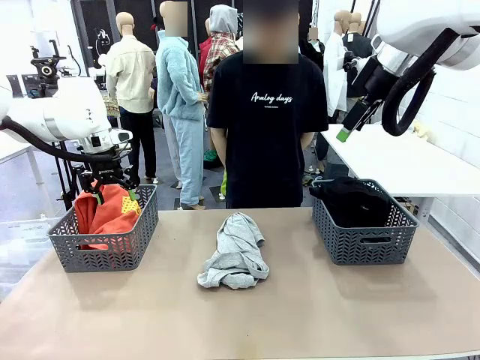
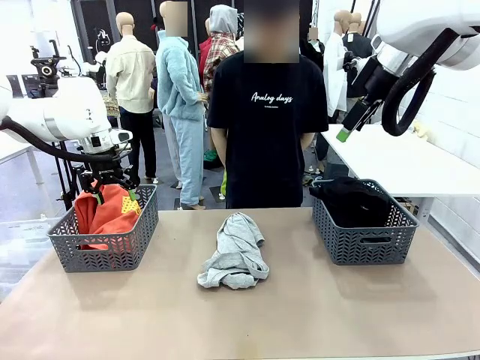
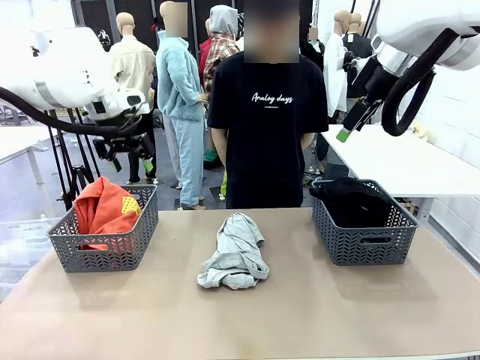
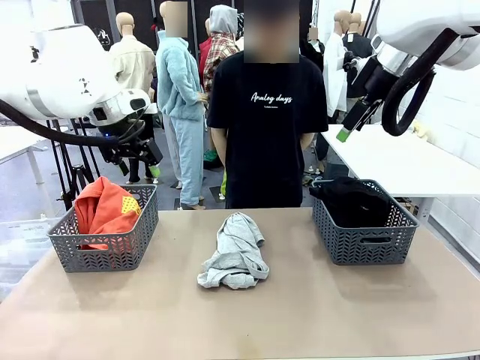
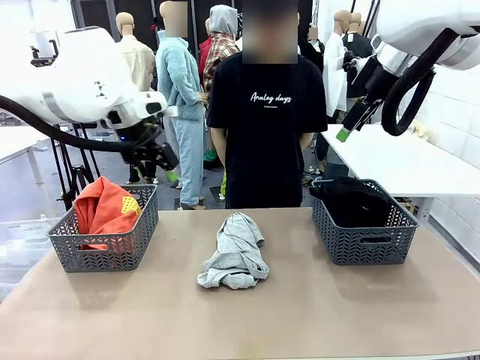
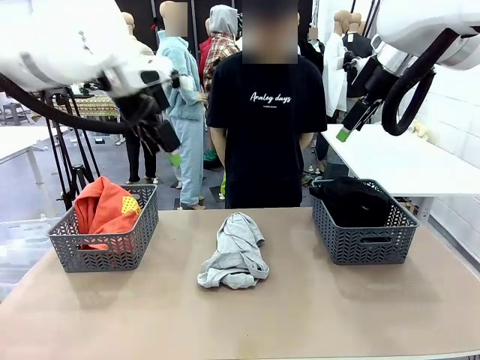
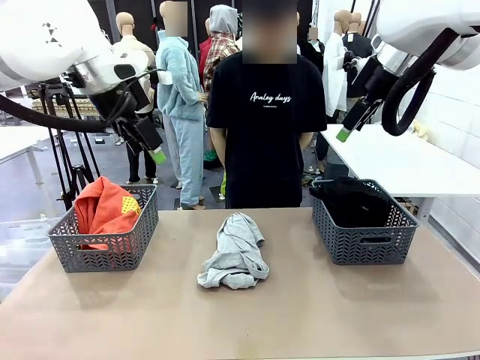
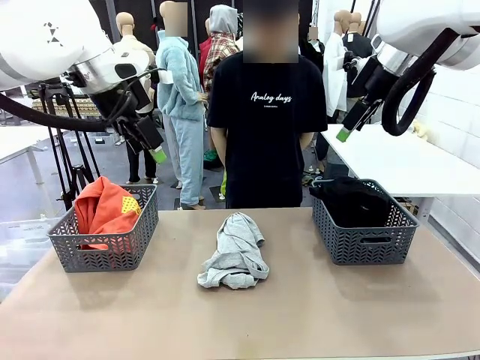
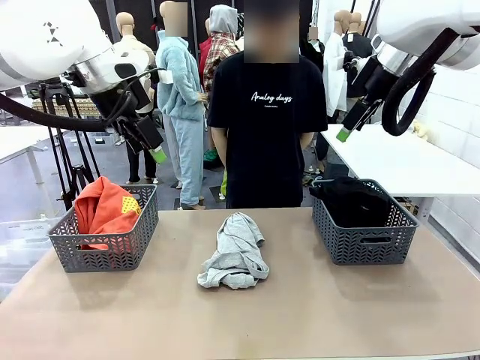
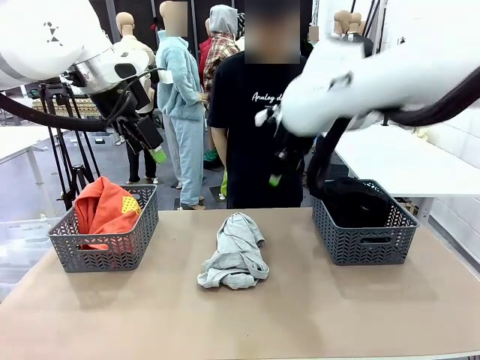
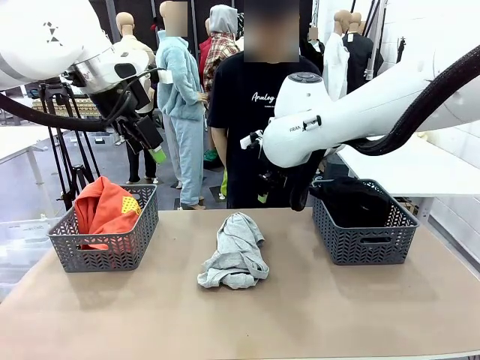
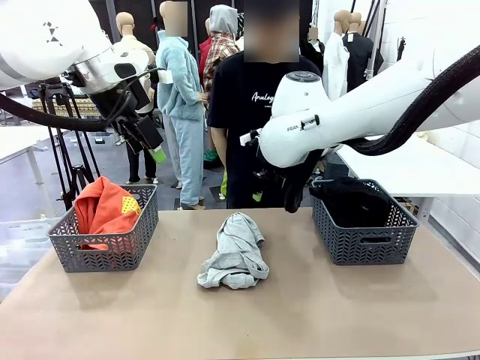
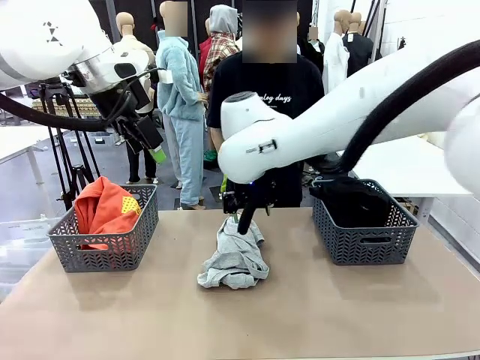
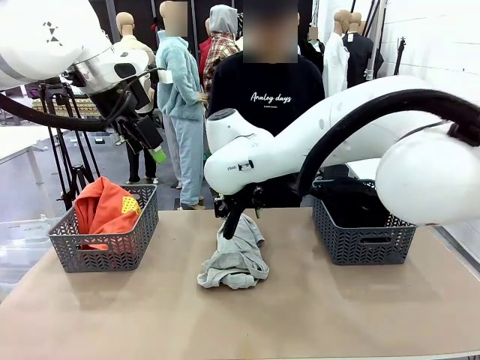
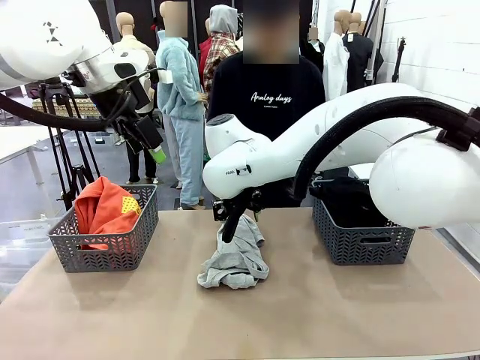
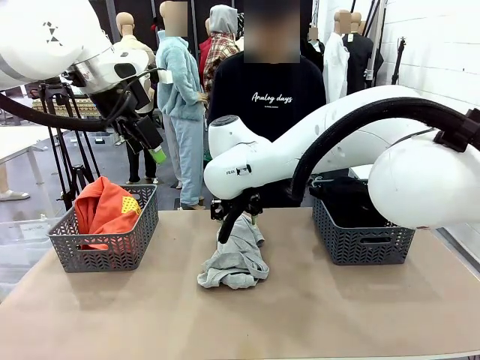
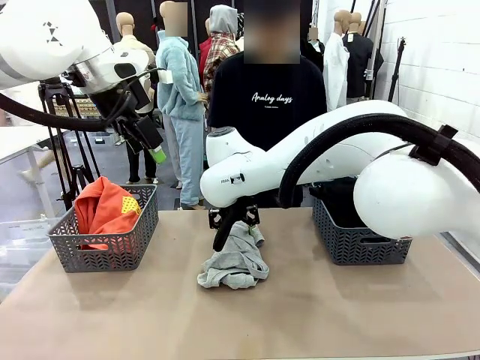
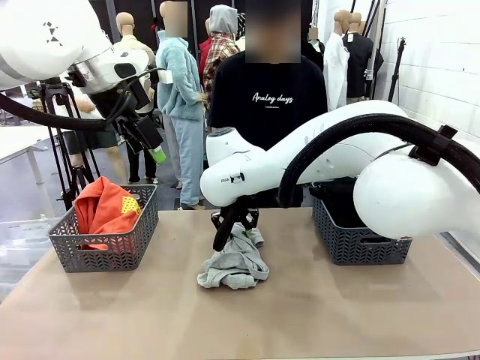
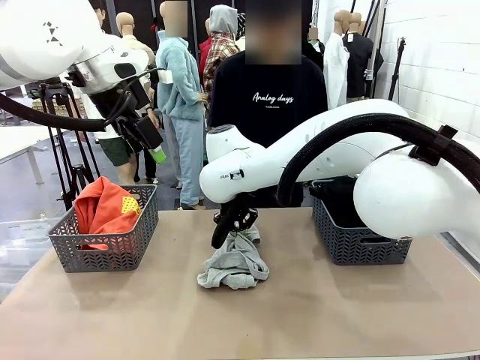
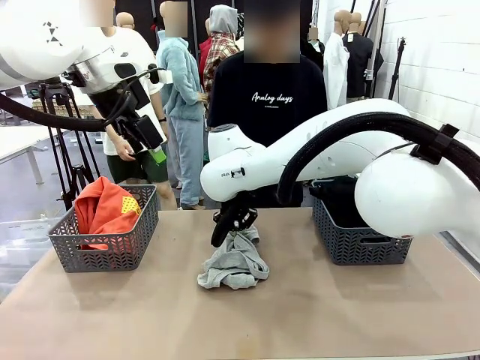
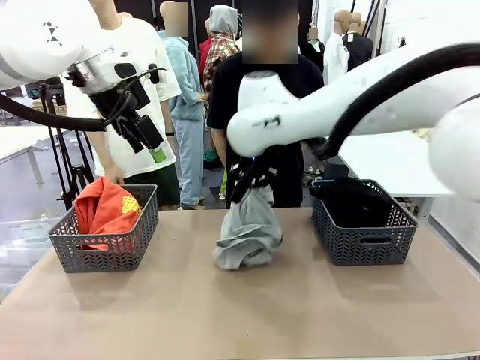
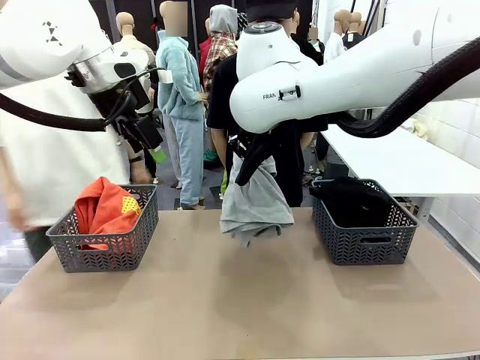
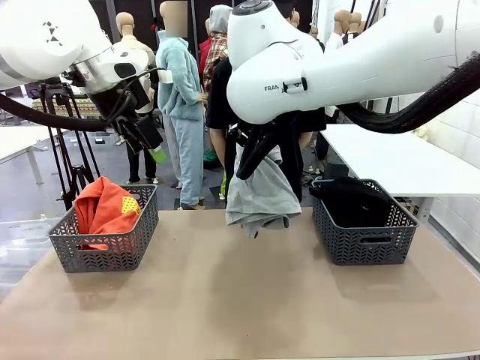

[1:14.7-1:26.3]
Task: Sort the tops and bottoms.
Robot: Lift clothes from the center of the table with your right hand.

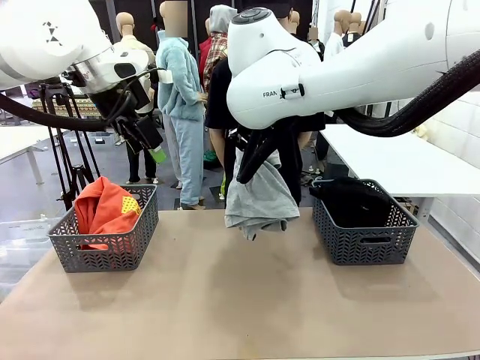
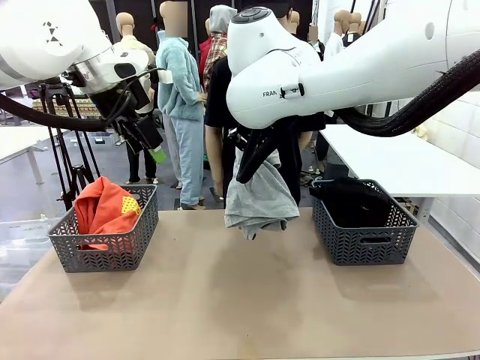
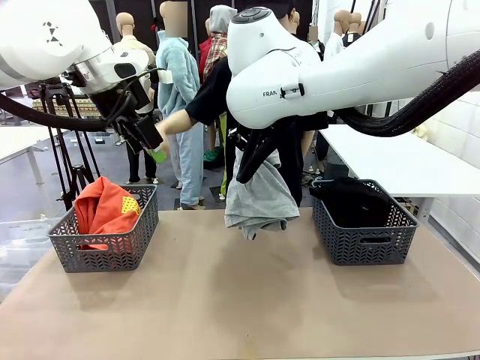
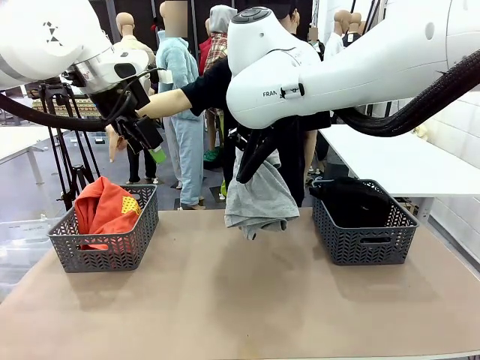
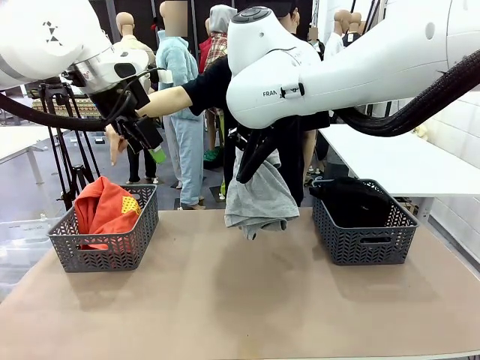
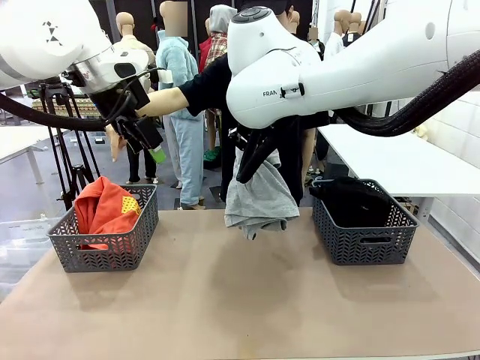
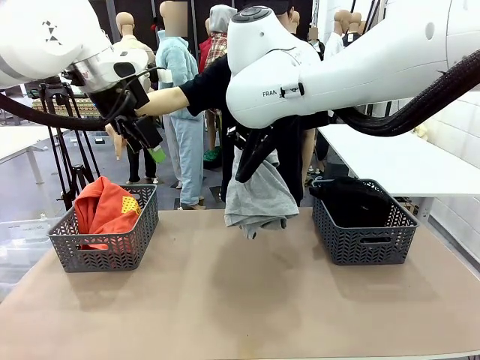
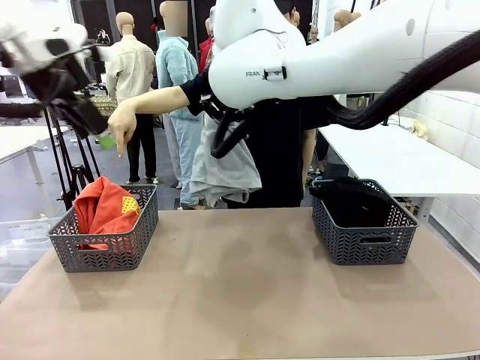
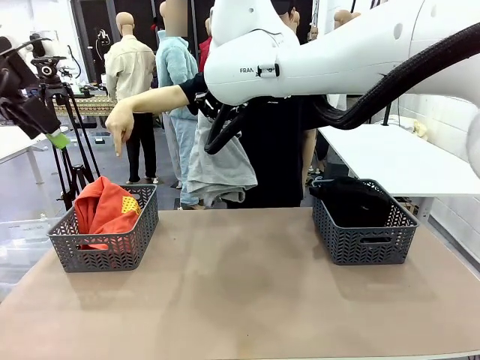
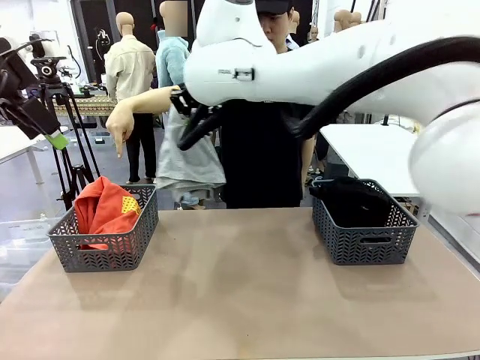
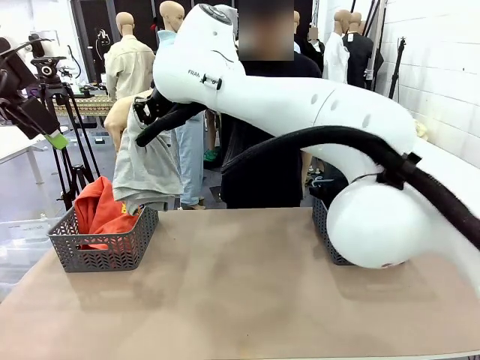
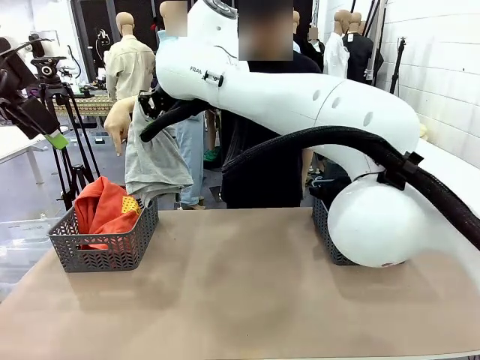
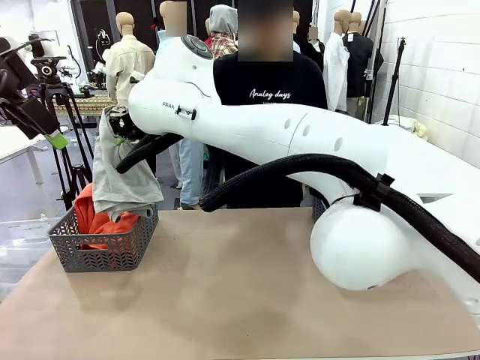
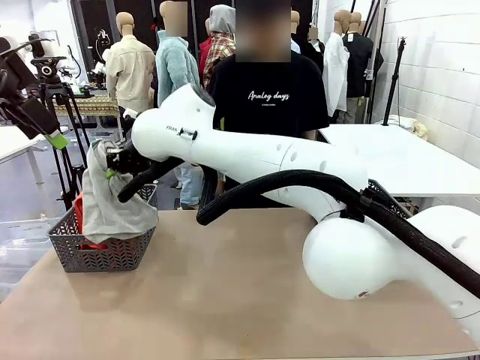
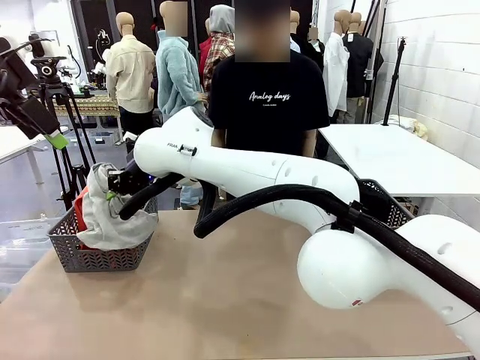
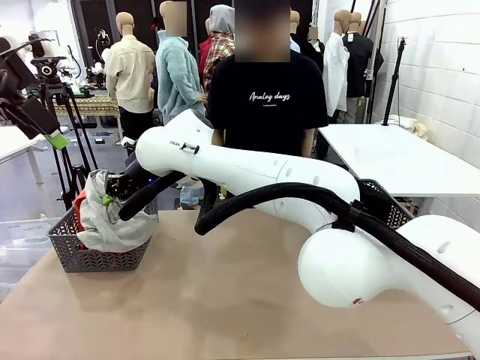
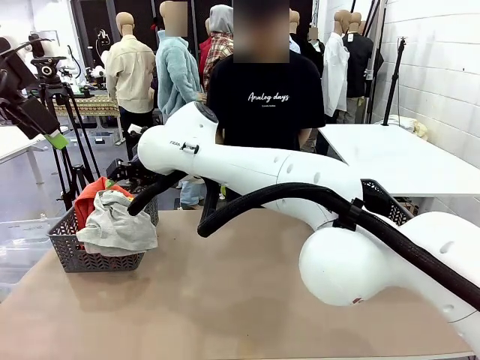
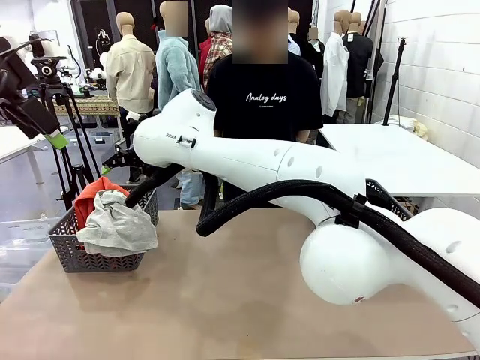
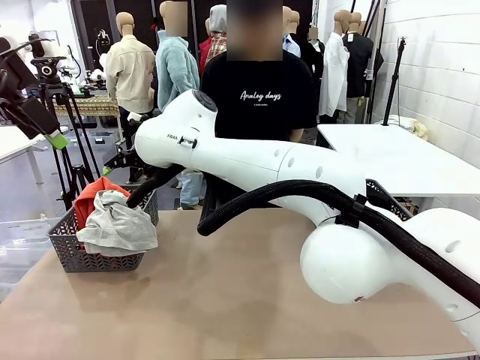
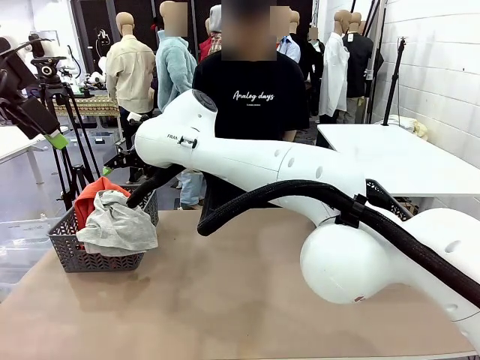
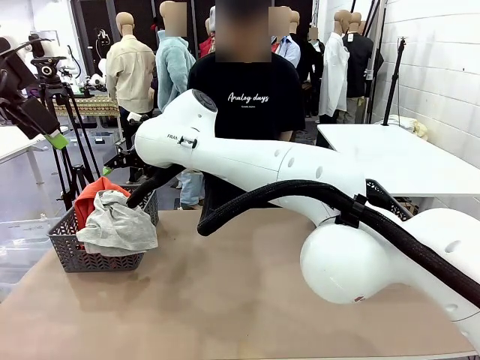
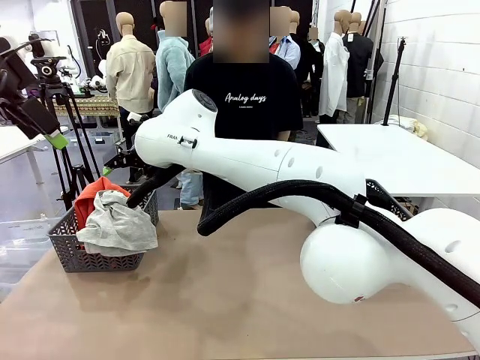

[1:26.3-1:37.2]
Robot: Sort the clothes according to human instructions.

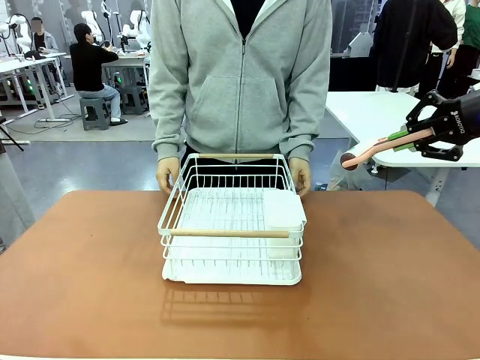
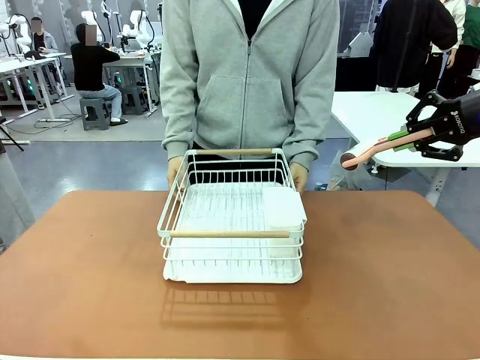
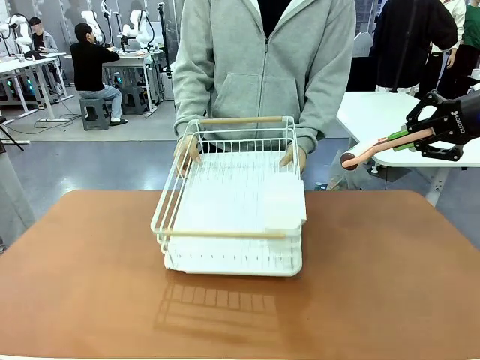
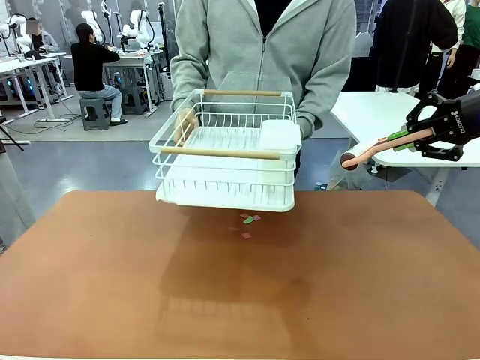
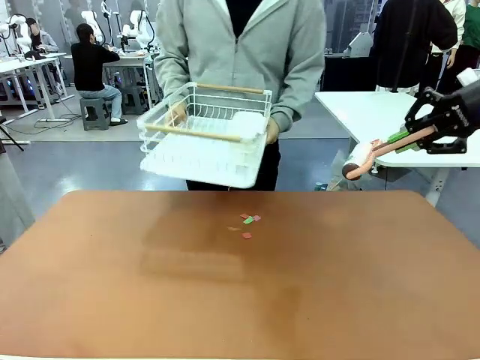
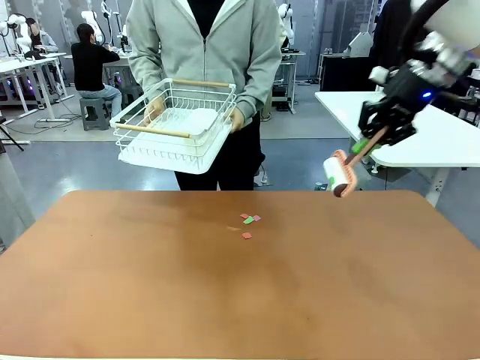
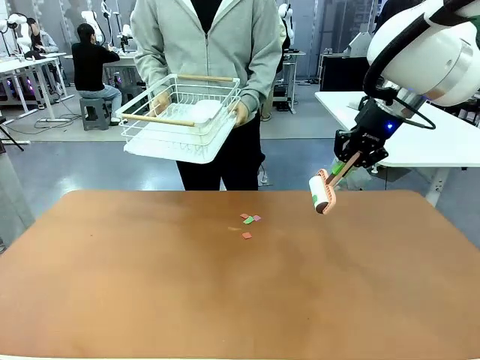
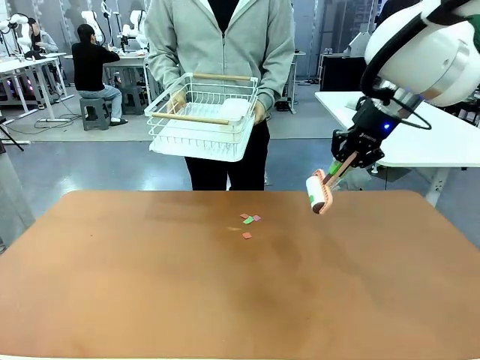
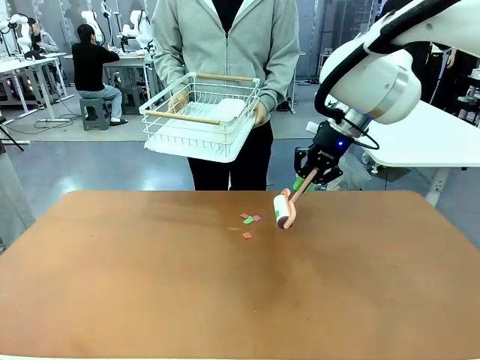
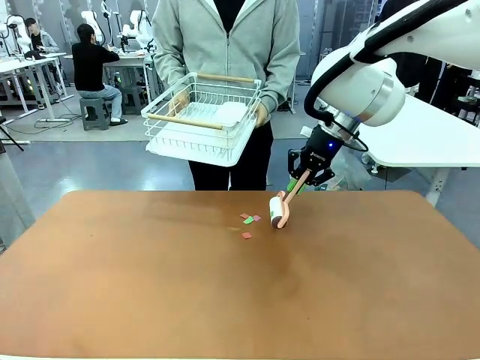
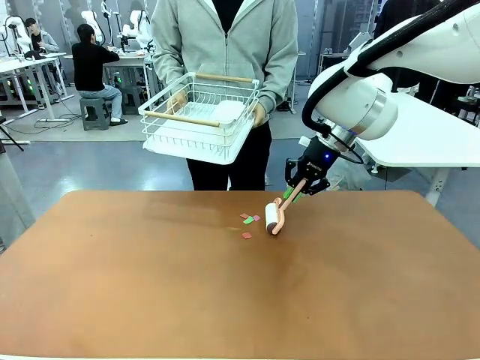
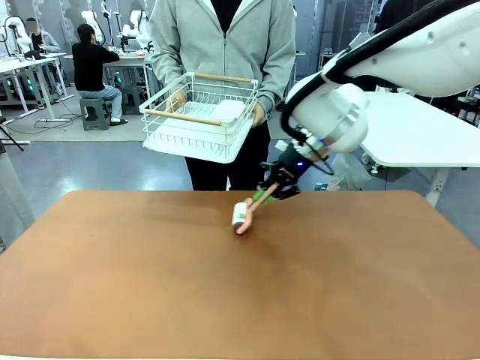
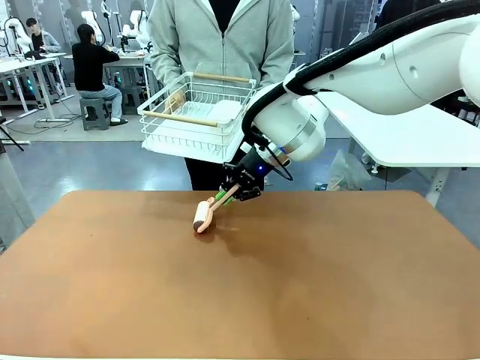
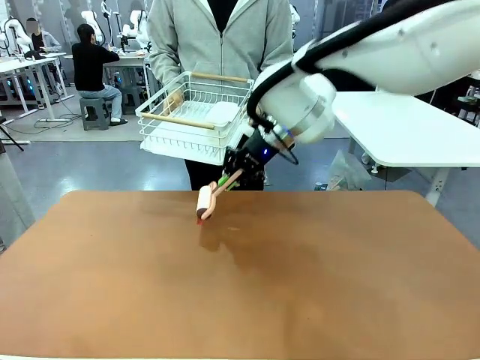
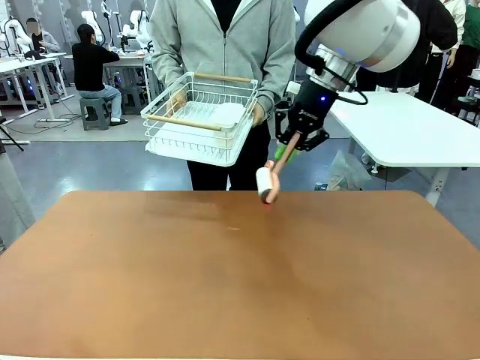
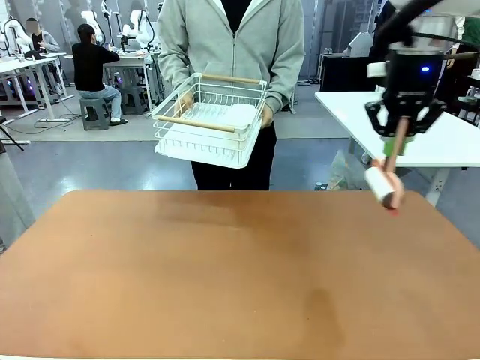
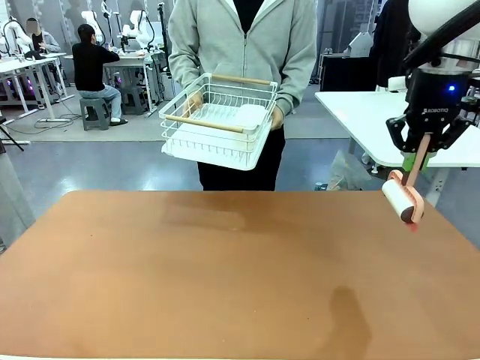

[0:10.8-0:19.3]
Task: Clean the table.
Robot: Clean the table with the Lint Roller when the human lifts the Dish drying rack.
